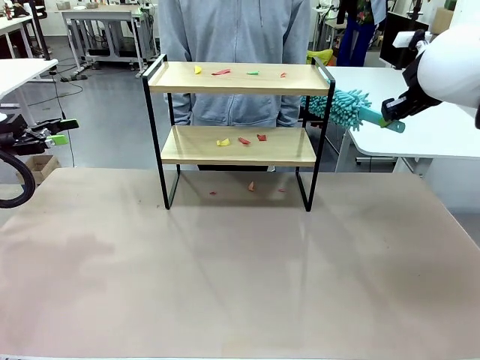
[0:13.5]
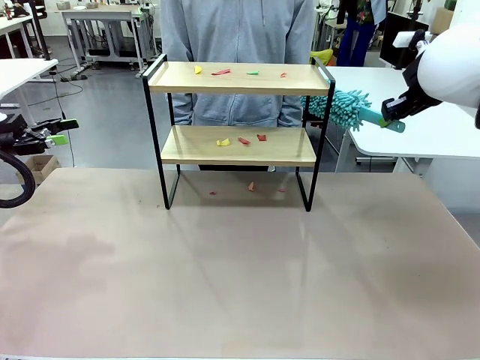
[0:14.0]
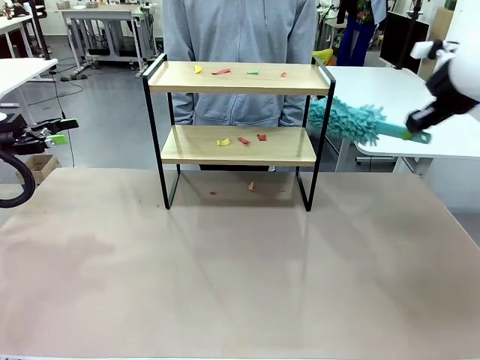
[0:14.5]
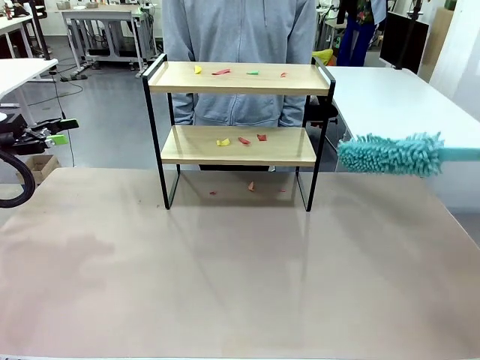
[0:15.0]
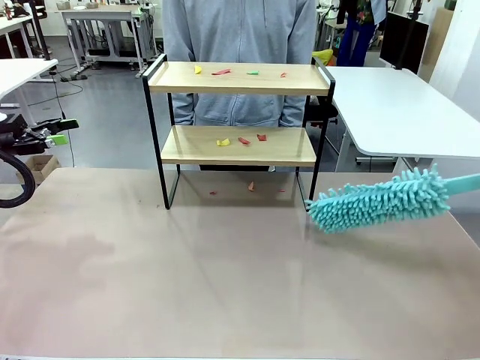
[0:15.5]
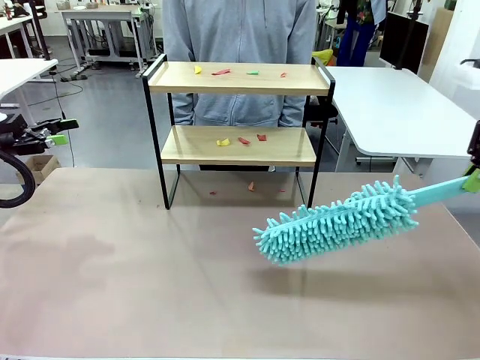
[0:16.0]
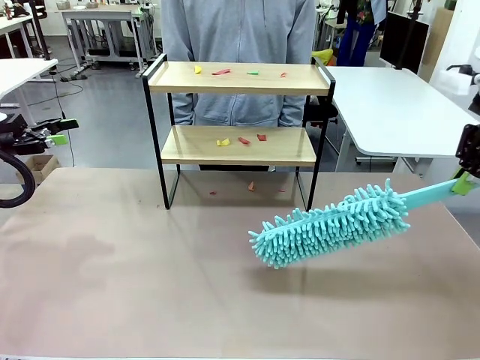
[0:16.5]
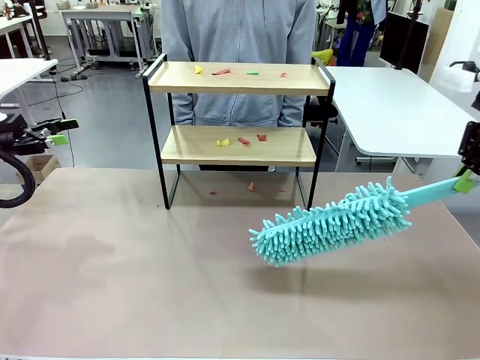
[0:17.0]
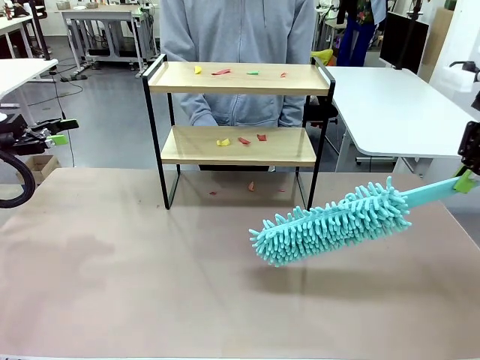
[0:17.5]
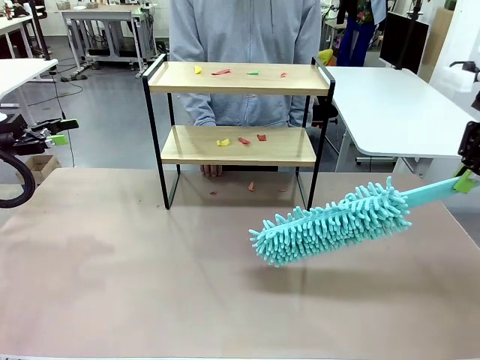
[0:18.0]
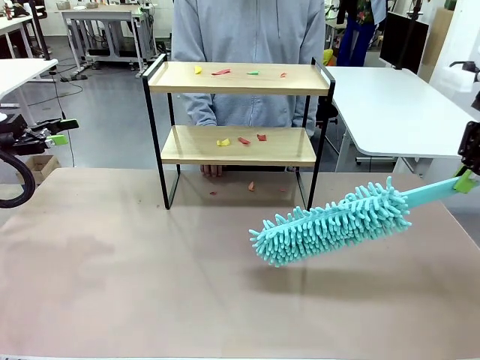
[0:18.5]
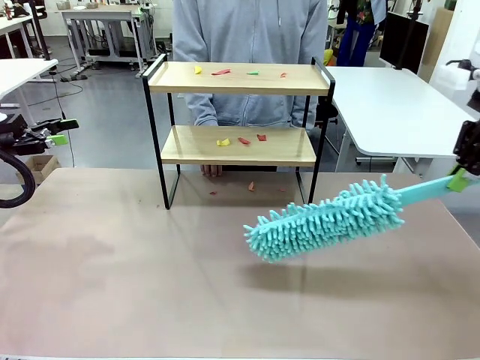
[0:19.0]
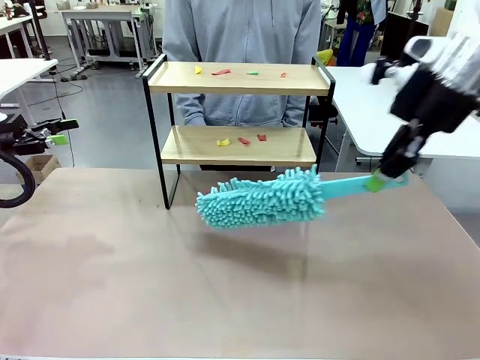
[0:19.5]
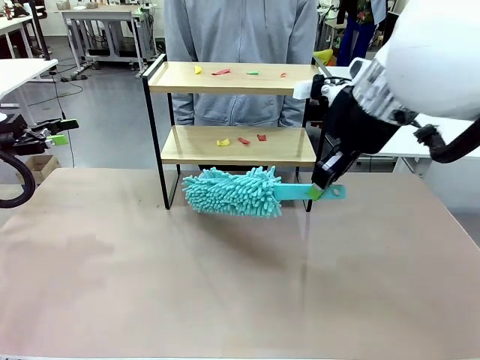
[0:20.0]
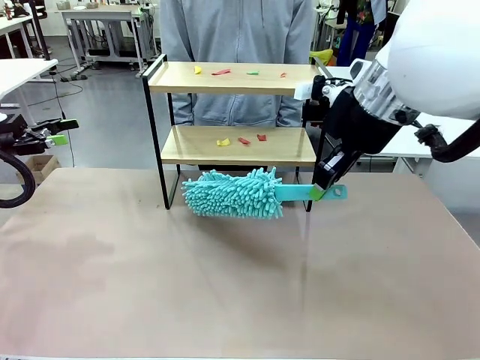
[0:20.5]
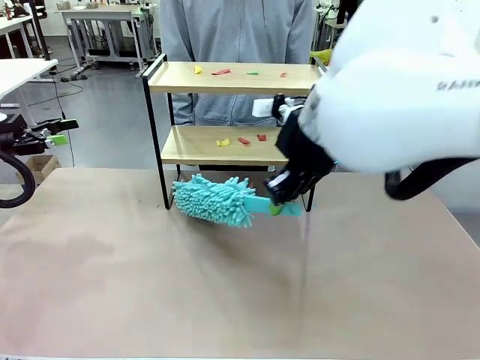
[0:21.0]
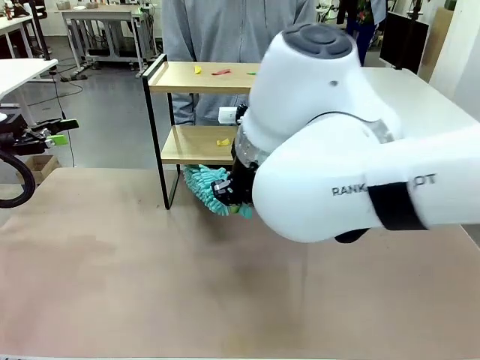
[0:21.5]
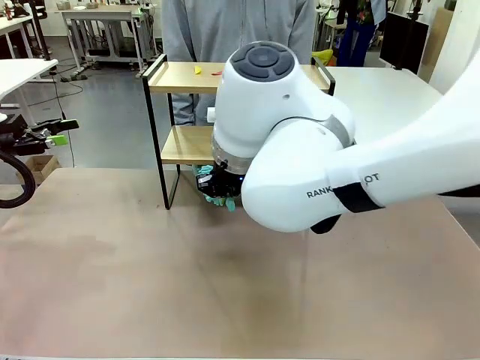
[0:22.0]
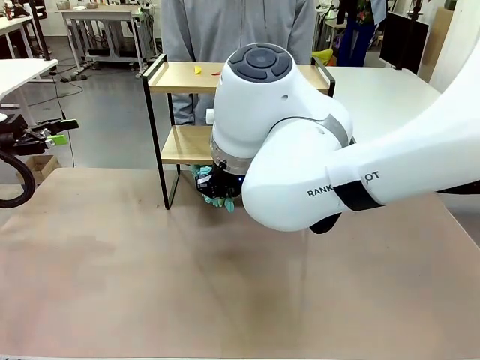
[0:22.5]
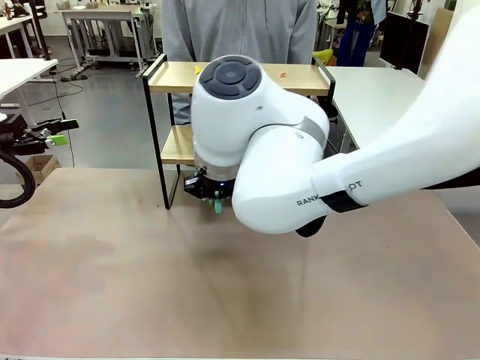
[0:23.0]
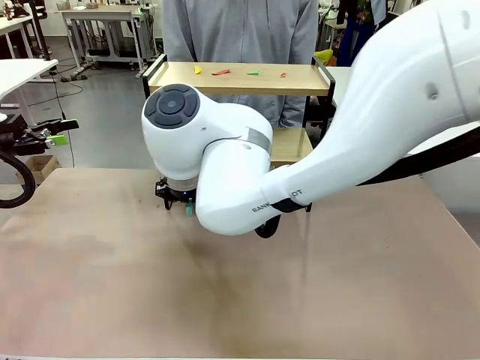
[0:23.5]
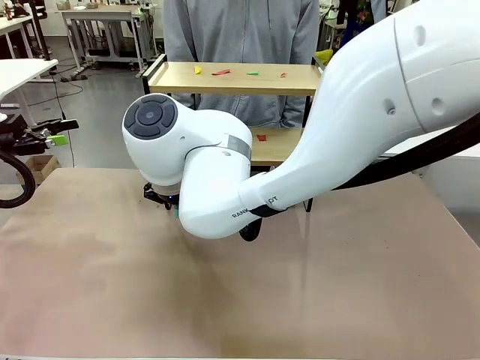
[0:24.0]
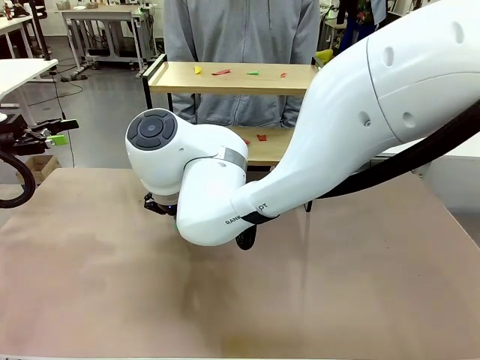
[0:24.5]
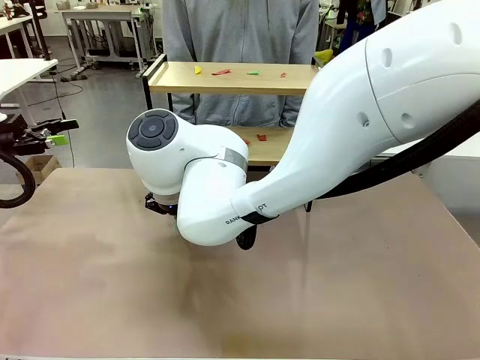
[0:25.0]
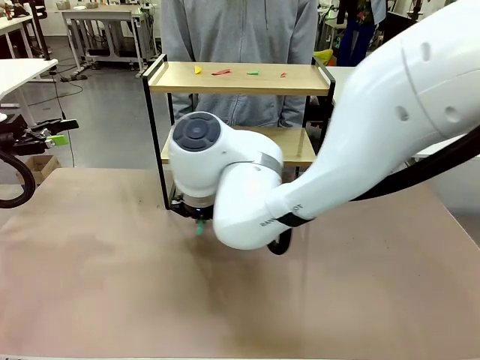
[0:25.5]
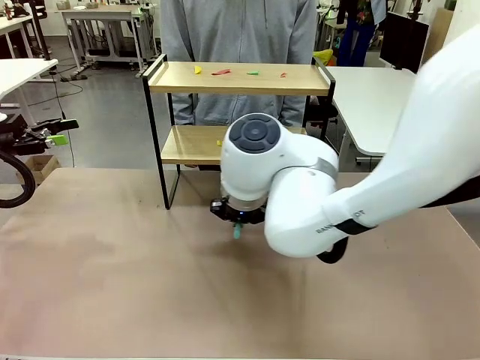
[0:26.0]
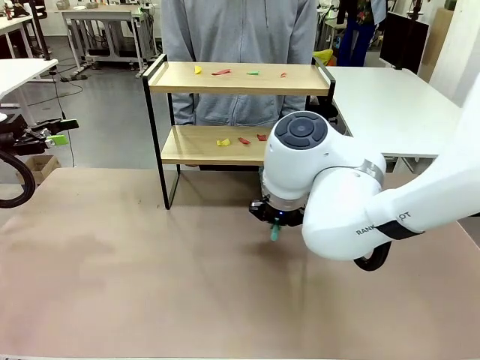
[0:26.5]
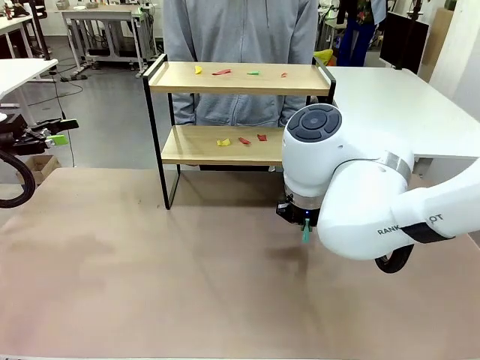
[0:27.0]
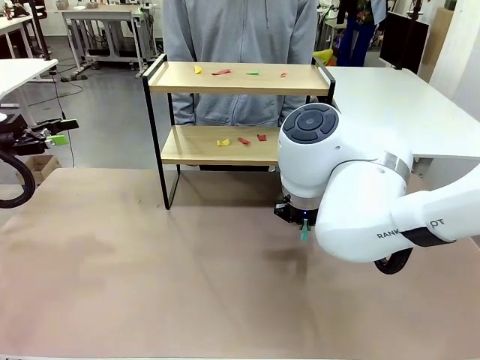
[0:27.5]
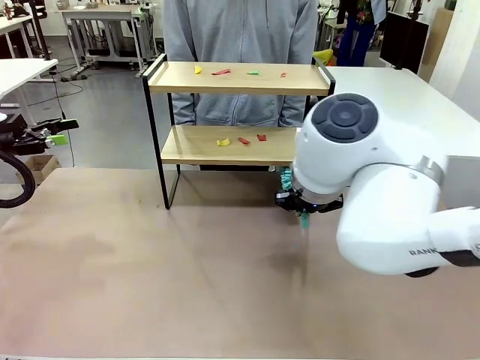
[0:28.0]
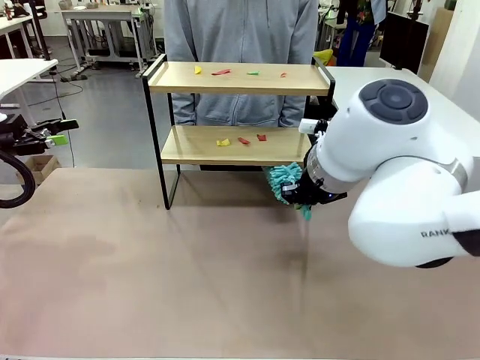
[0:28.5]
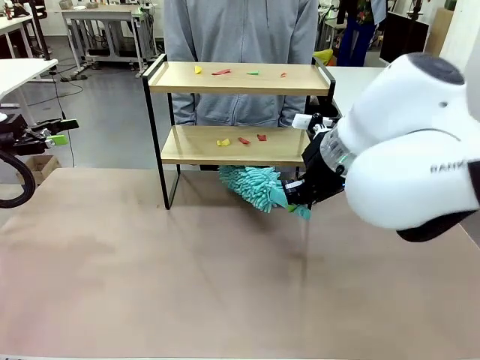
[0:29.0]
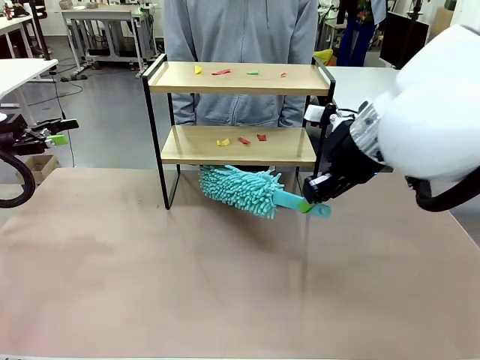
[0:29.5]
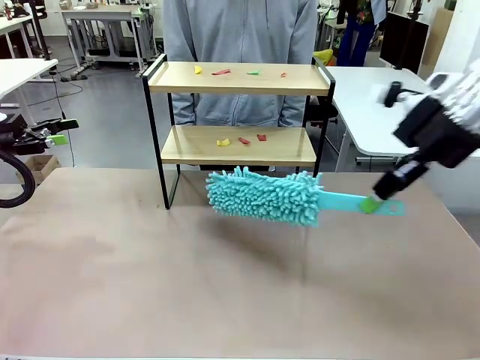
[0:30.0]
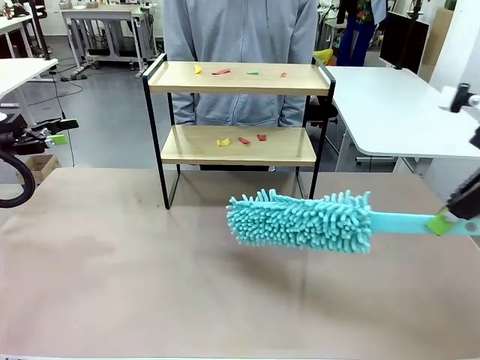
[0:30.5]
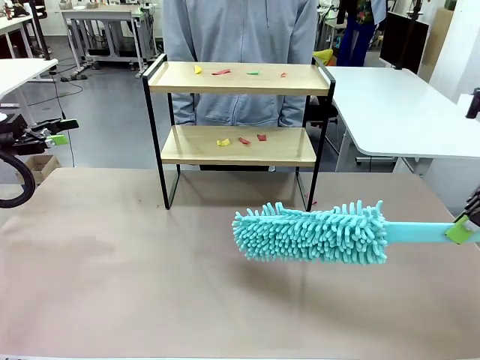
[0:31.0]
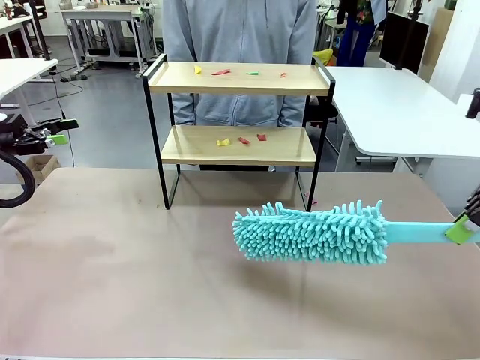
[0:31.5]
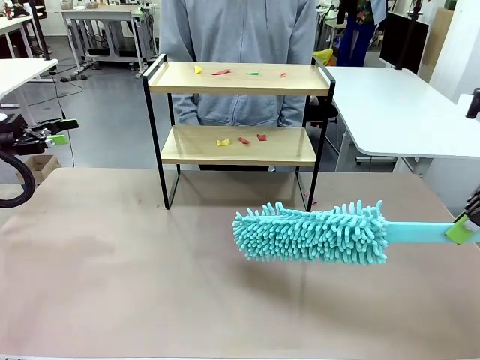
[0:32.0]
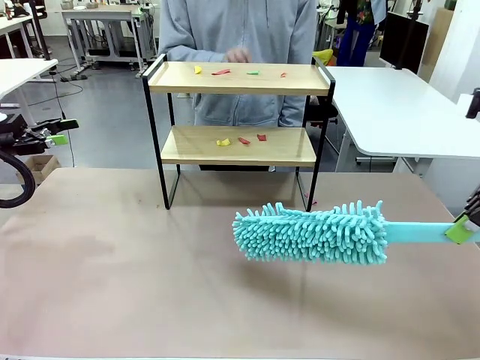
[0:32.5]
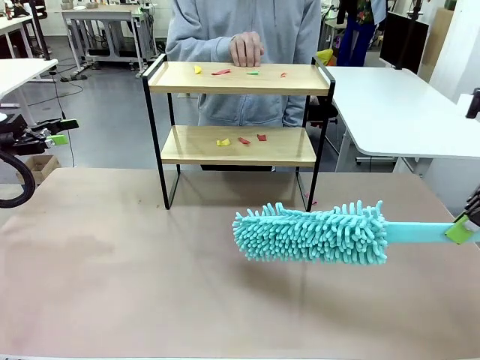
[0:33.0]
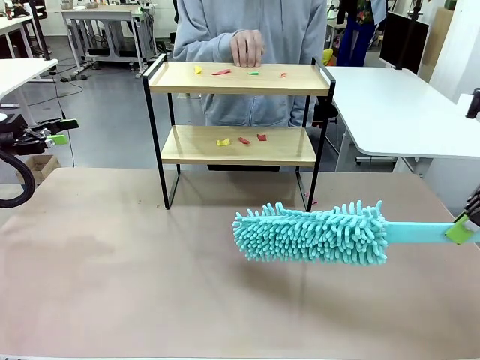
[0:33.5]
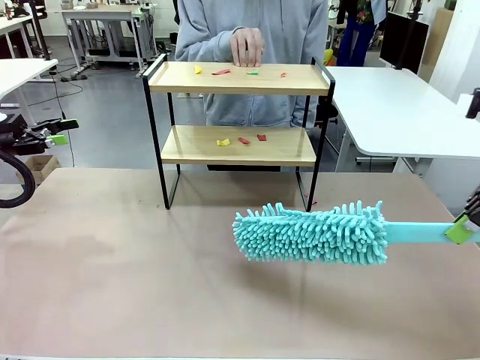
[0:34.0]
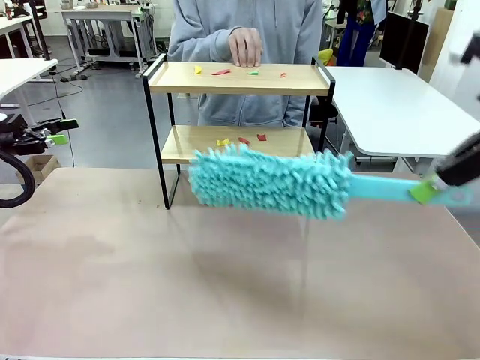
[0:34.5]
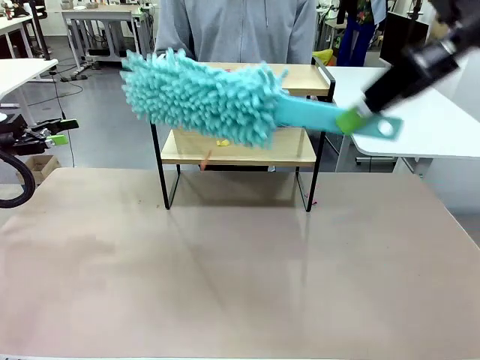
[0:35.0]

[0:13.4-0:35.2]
Task: Clean the shelf.
Robot: Clean the specific section of the Shelf indicated by the human with the Duster.
Person: Point a random section of the Shelf.
